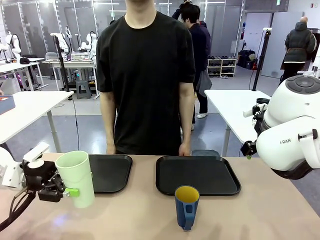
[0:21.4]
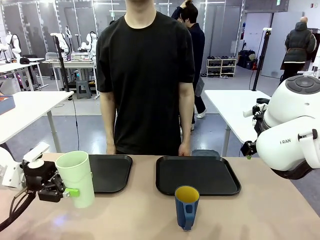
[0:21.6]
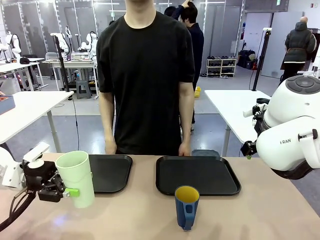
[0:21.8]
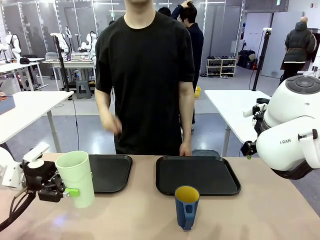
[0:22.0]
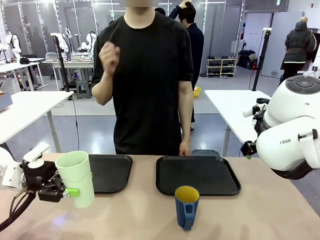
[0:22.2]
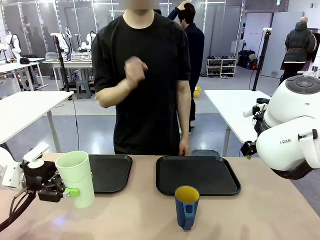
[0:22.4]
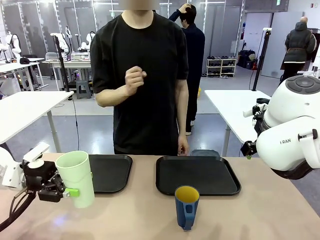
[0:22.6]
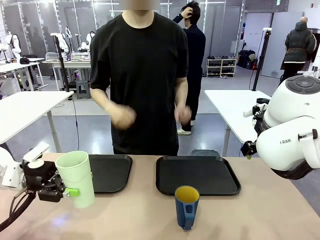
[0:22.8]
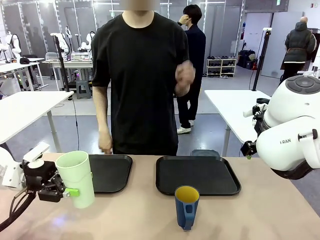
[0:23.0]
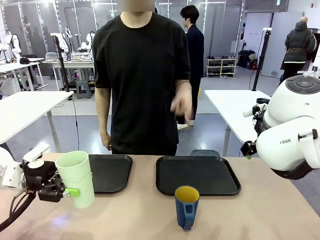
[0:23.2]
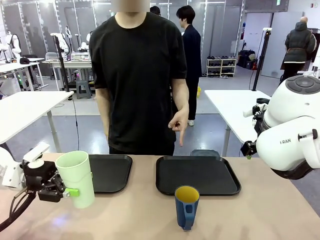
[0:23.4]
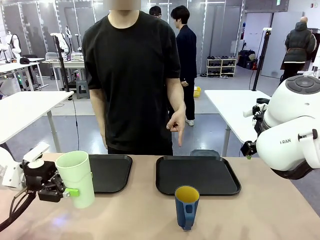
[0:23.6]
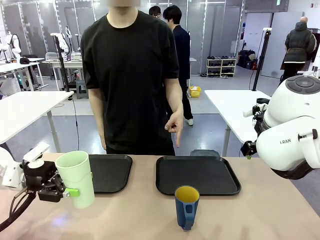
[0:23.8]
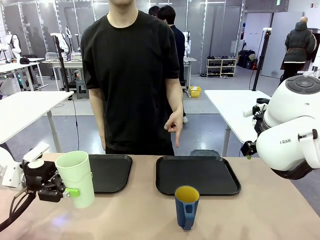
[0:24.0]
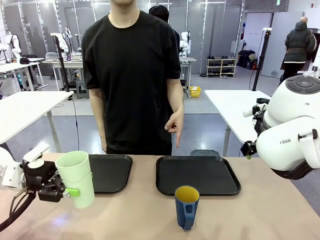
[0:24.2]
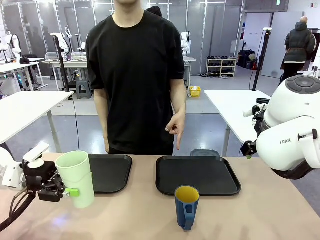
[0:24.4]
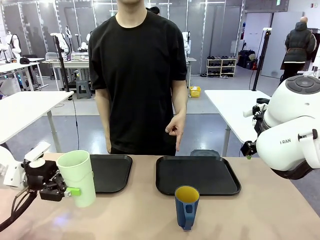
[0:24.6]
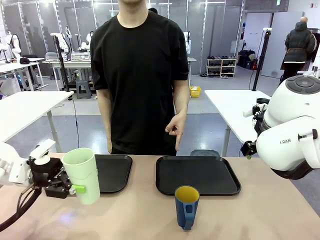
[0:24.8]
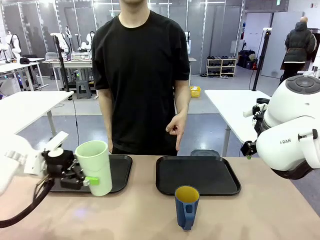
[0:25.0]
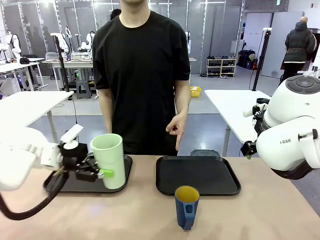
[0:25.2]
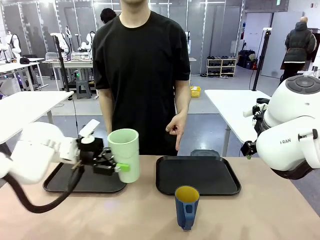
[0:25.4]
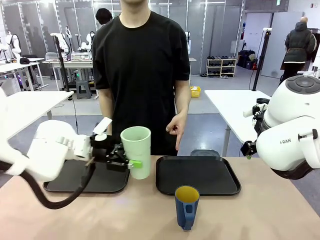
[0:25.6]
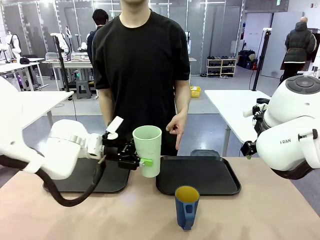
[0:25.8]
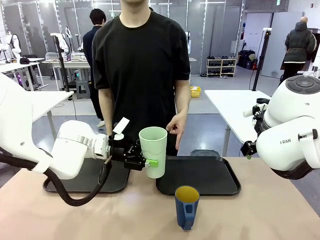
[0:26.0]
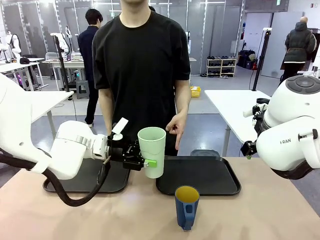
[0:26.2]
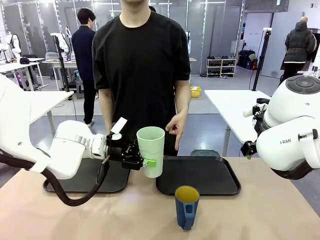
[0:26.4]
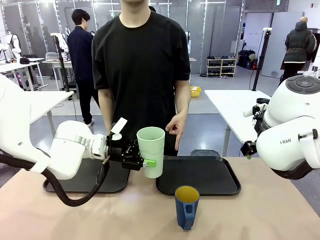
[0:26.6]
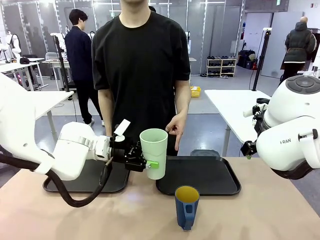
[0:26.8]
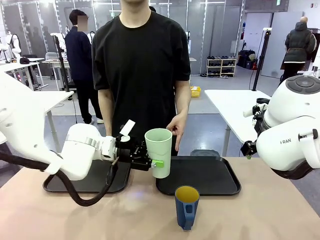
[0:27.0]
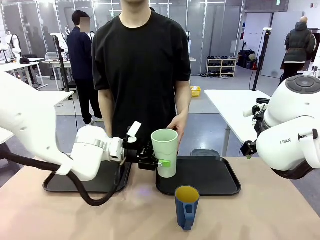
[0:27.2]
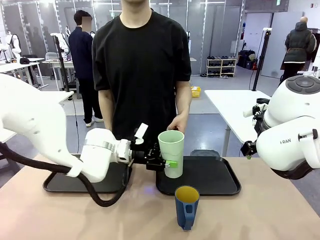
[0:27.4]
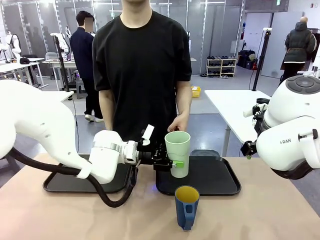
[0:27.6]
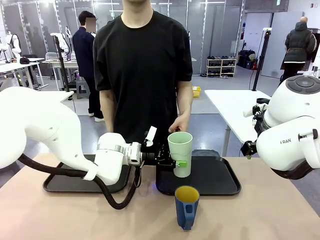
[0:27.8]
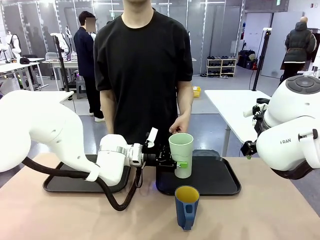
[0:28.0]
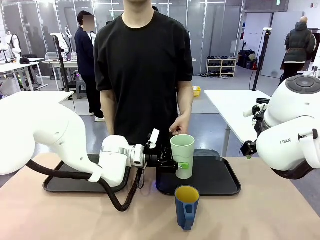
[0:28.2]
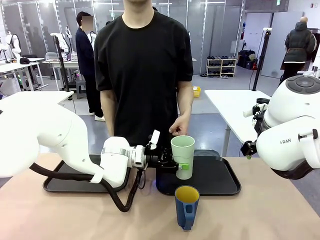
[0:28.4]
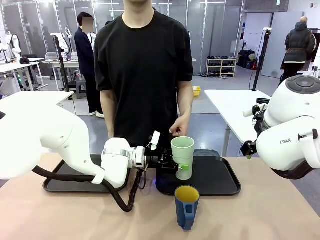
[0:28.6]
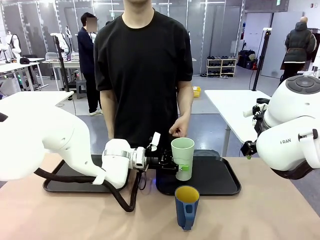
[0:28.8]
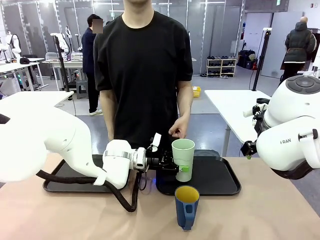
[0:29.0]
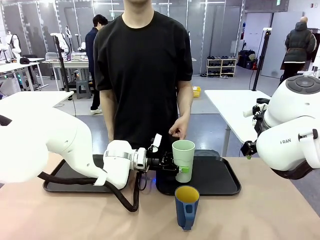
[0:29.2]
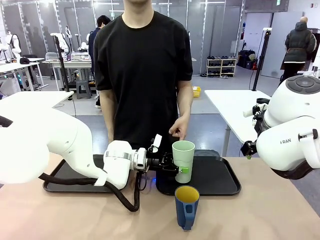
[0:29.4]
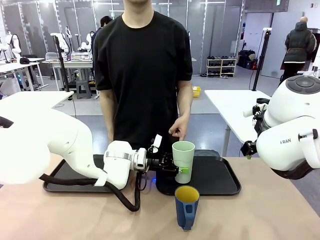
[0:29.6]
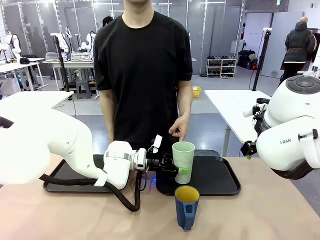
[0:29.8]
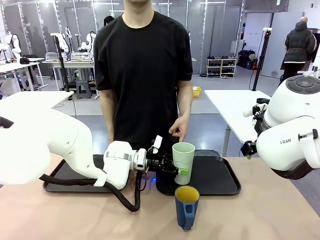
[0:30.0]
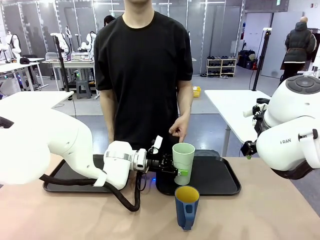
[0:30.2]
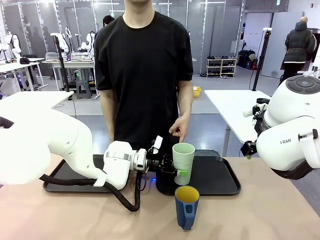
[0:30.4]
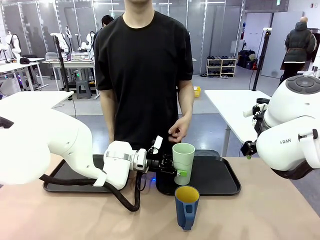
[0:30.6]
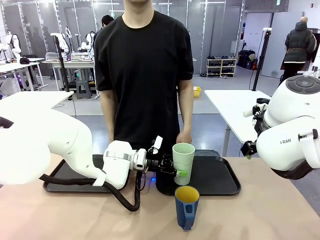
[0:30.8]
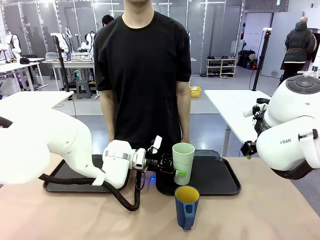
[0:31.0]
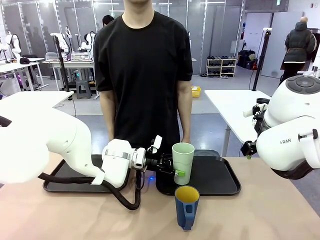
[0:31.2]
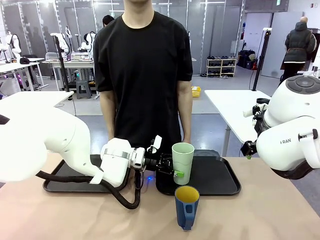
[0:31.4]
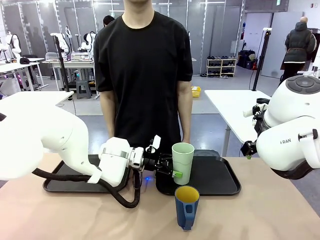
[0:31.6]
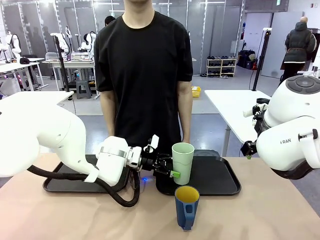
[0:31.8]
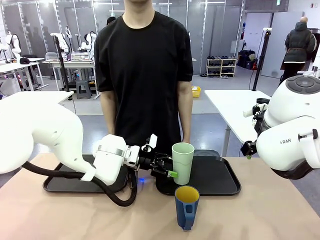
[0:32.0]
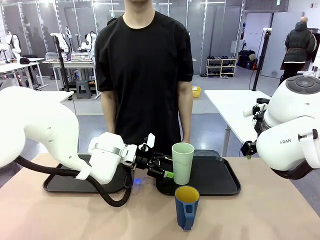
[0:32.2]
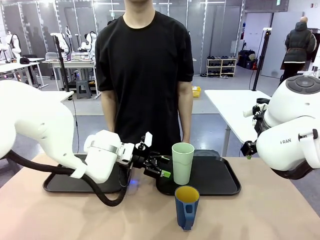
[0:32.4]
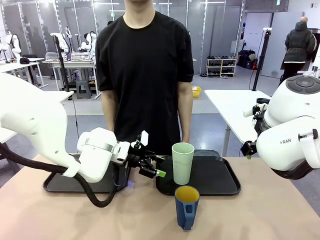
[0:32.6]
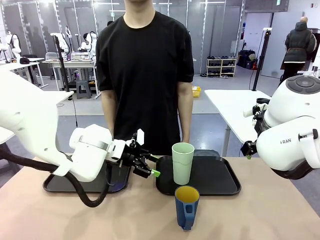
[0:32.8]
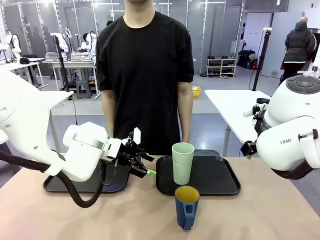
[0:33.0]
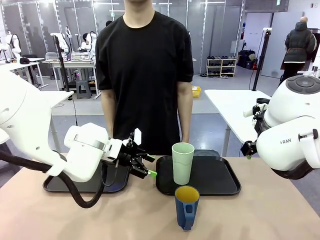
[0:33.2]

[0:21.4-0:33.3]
Task: Sort and store the cups by type.
Robot: Place the picked Reusable plastic cup into the Flat Tray indicated by the person.

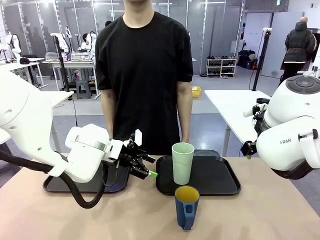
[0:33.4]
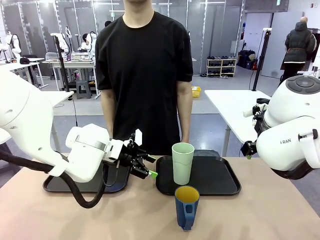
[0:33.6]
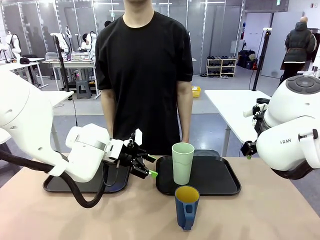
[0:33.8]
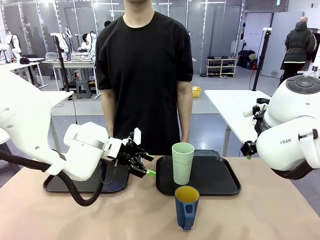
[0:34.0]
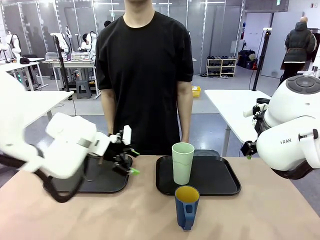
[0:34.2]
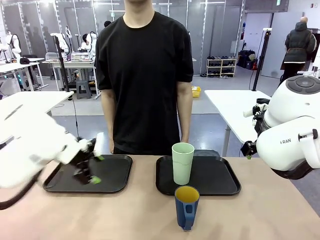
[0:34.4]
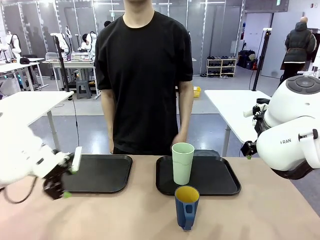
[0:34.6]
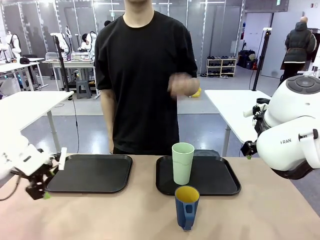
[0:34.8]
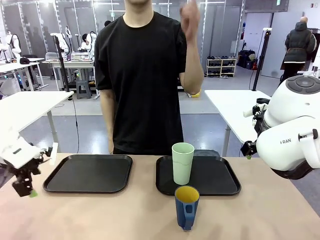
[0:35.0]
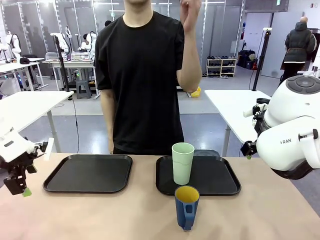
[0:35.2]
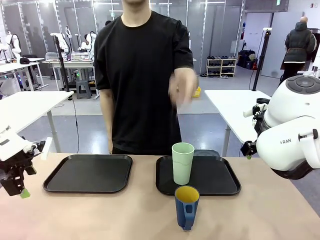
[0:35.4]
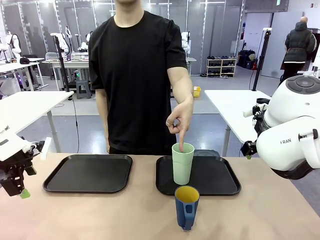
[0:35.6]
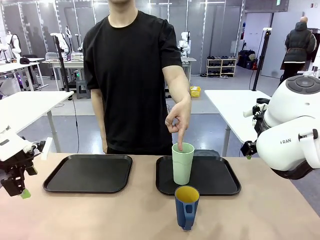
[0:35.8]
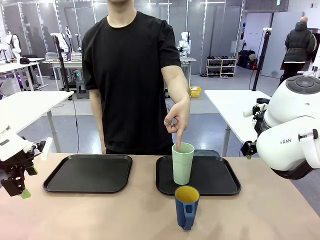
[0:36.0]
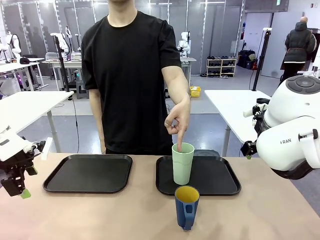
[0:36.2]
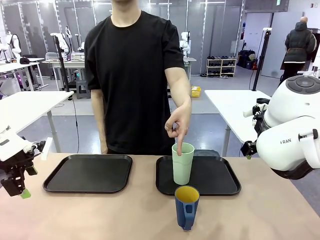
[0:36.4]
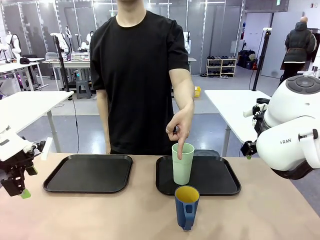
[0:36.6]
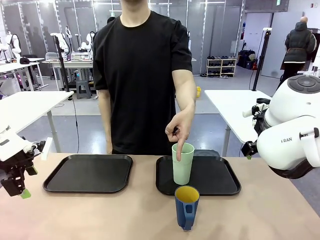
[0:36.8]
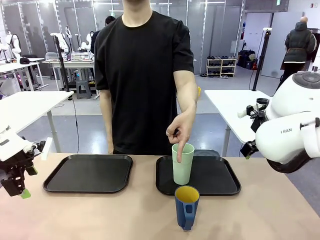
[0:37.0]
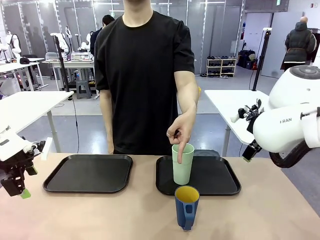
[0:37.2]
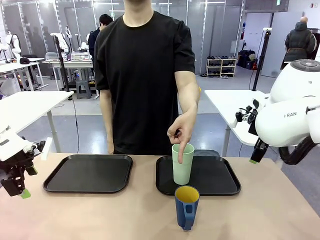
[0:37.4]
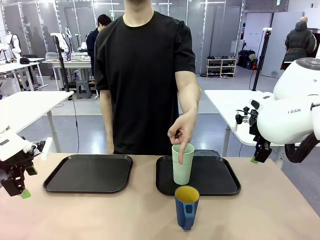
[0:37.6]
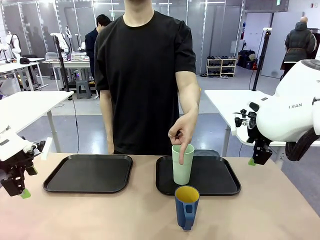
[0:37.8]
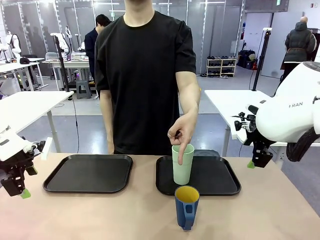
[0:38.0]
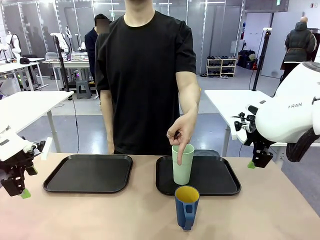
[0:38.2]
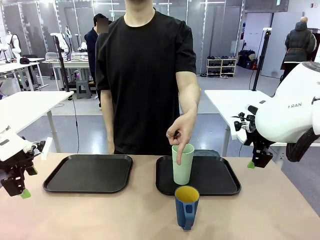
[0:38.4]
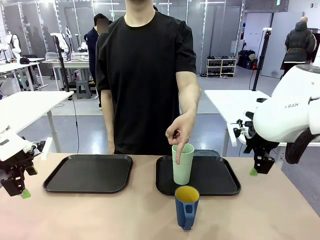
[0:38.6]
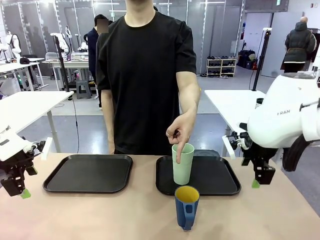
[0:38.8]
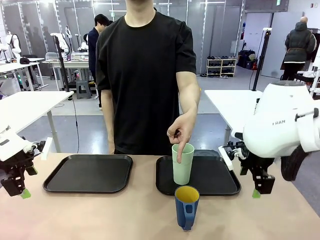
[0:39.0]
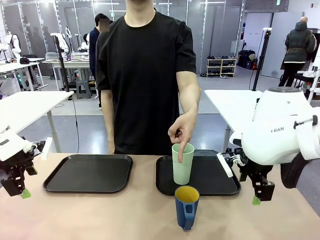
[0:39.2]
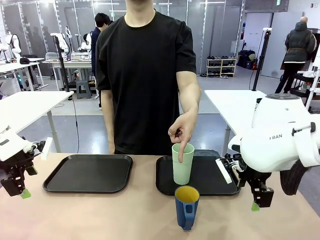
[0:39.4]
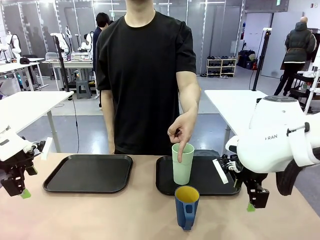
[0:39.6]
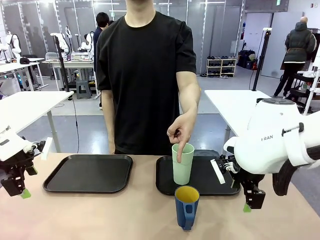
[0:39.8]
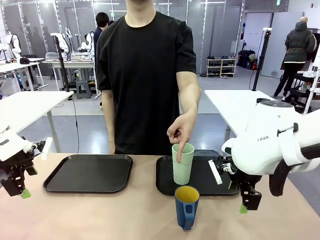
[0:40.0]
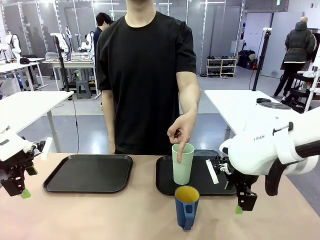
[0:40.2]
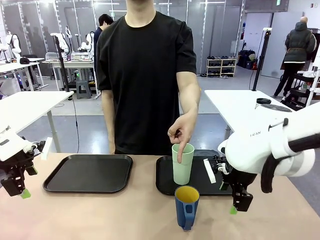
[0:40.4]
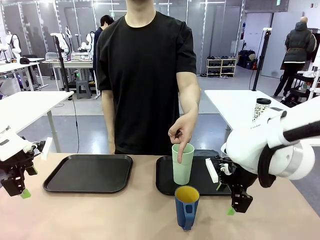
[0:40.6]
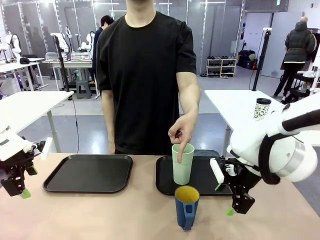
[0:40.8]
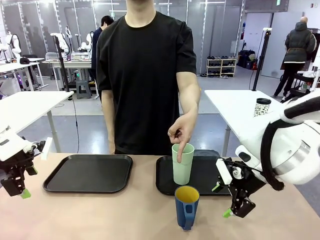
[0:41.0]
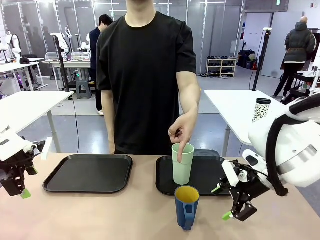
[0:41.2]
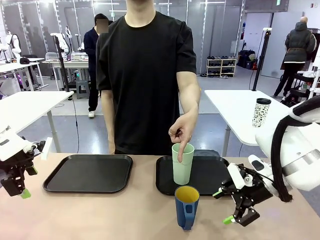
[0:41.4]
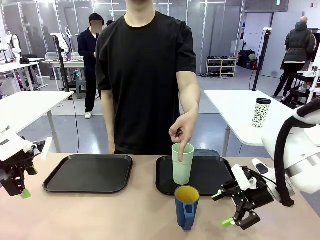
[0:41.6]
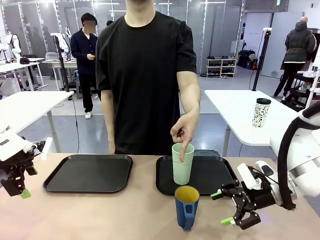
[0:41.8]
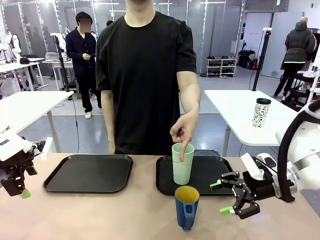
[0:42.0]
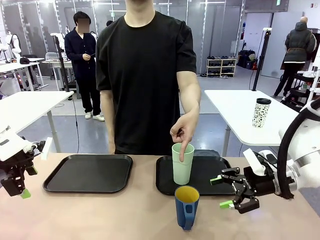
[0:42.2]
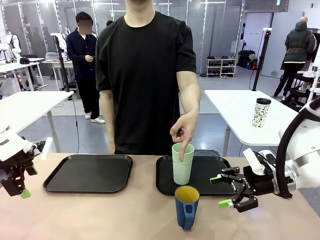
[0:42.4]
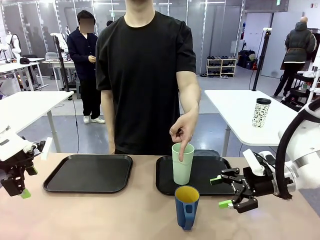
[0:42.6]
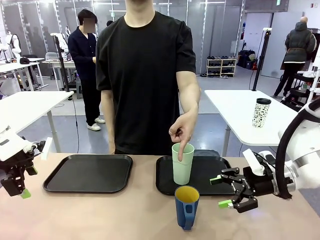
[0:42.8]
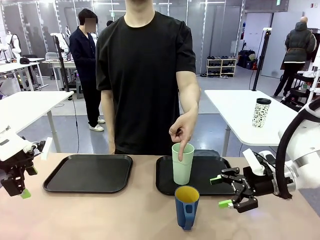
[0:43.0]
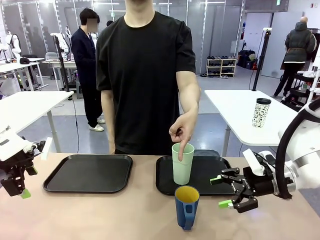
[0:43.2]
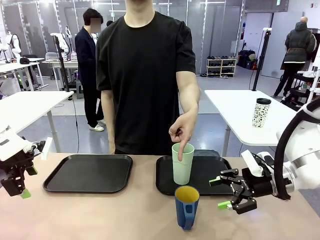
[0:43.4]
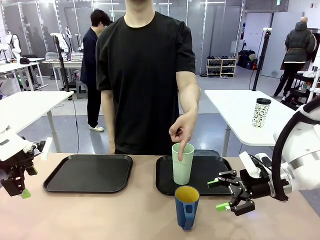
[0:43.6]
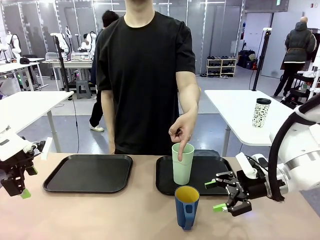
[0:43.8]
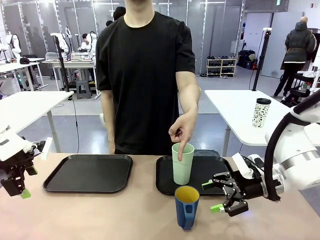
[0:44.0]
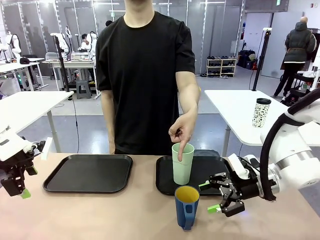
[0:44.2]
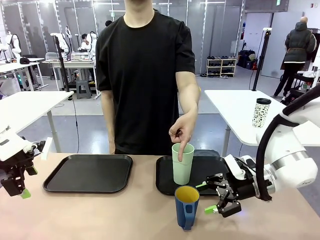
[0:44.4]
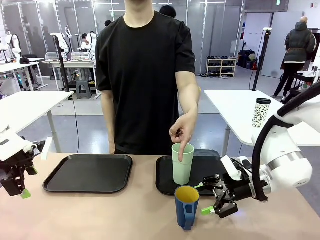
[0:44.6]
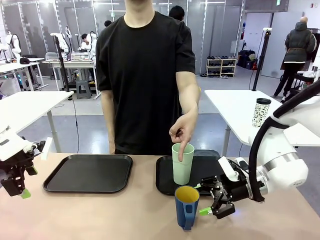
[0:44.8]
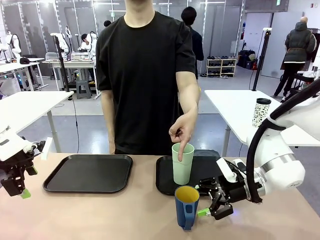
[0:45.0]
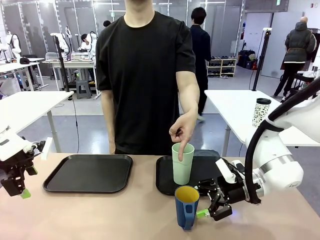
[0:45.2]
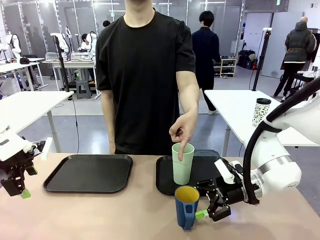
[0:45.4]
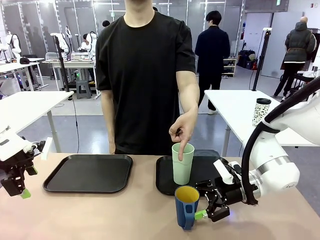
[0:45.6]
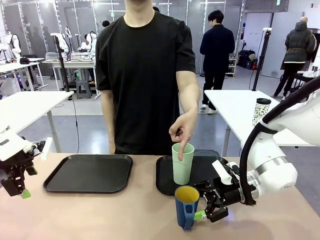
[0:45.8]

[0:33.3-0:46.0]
Robot: Pick up the Handle plastic cup and place it into the empty Flat Tray.
